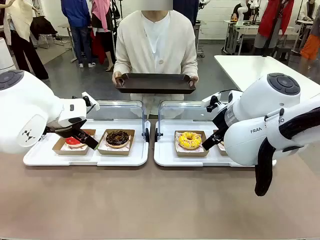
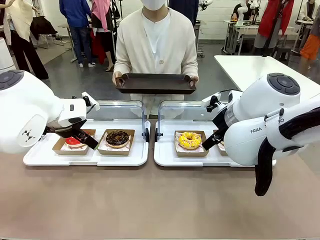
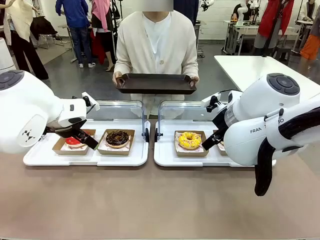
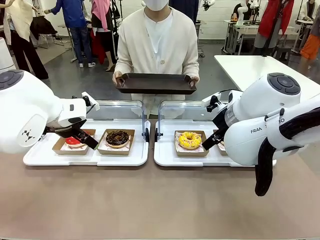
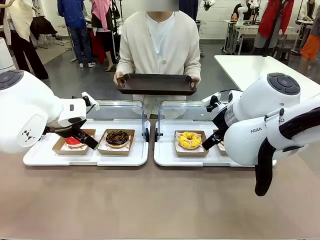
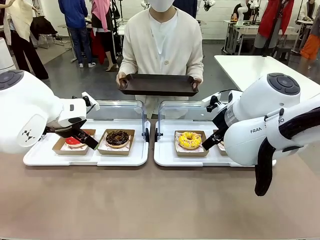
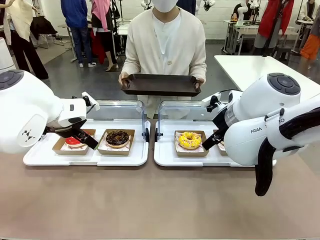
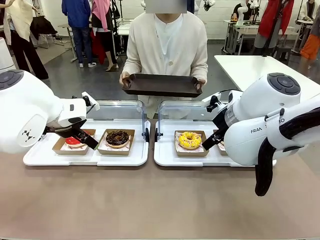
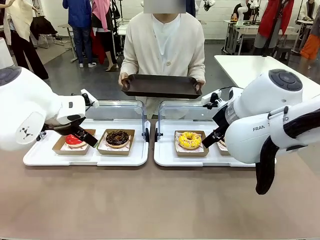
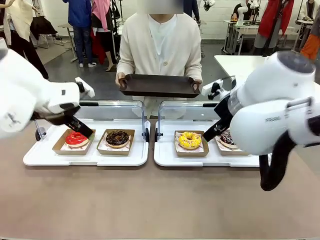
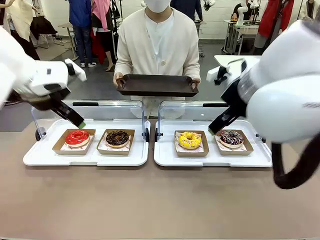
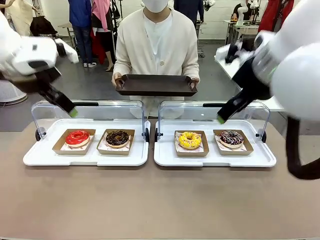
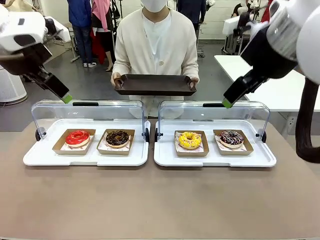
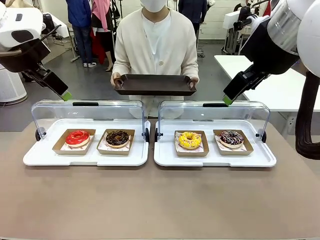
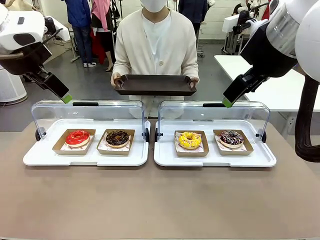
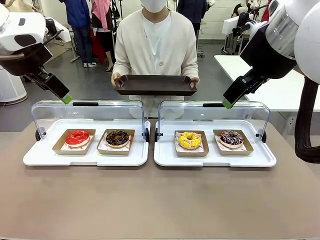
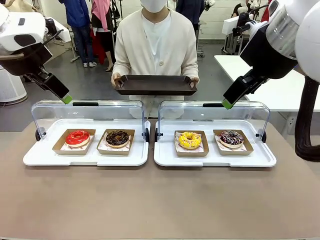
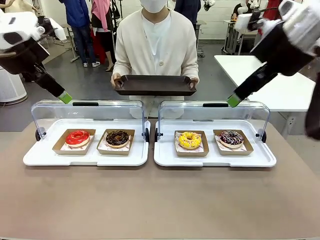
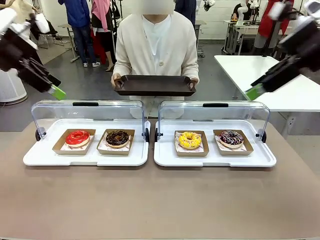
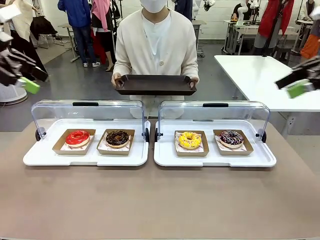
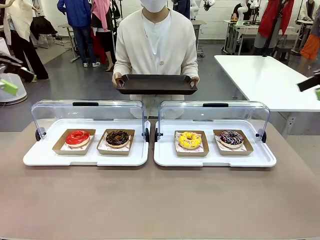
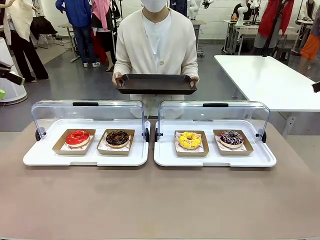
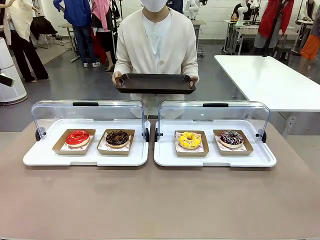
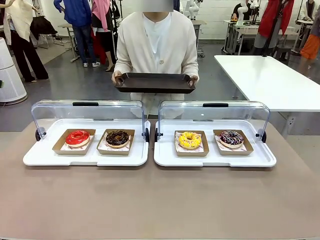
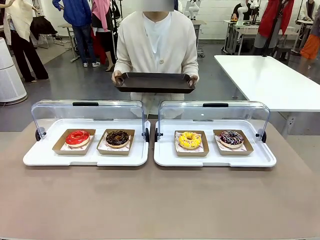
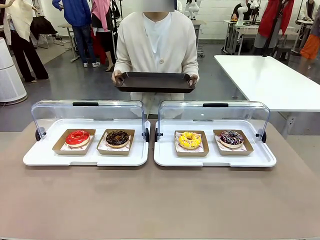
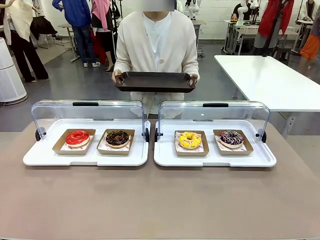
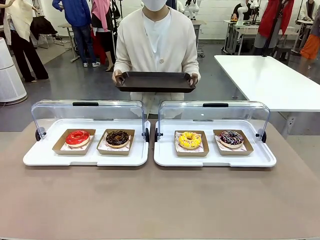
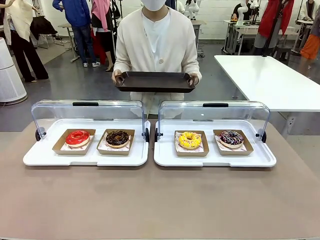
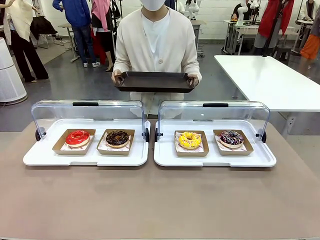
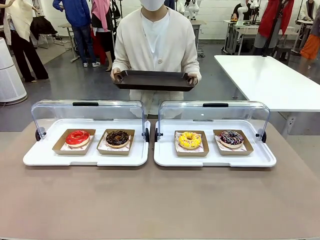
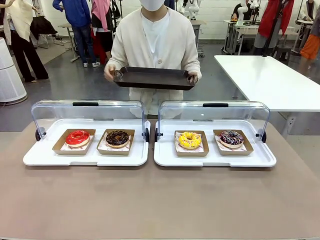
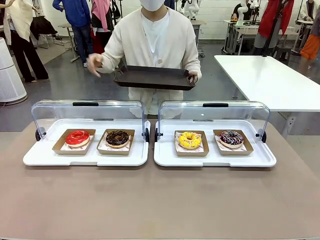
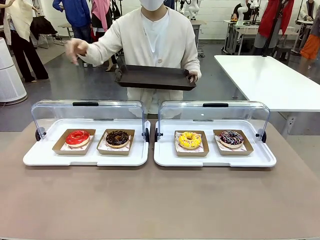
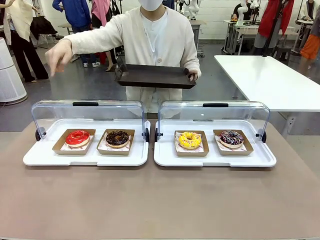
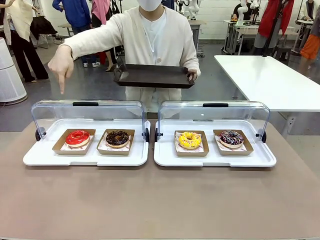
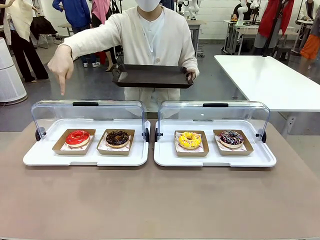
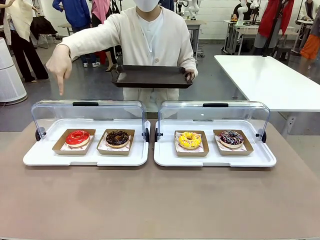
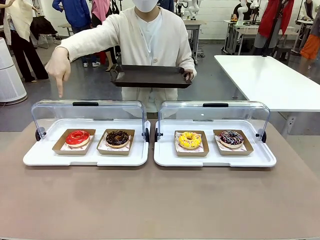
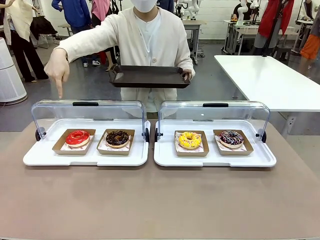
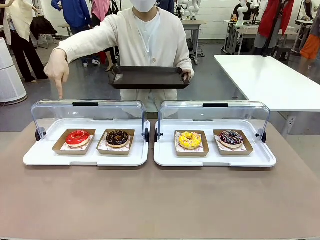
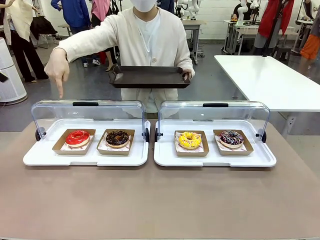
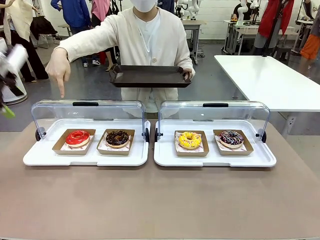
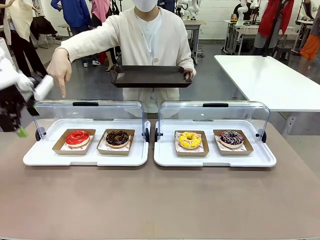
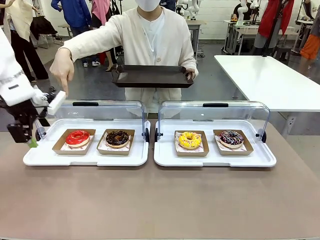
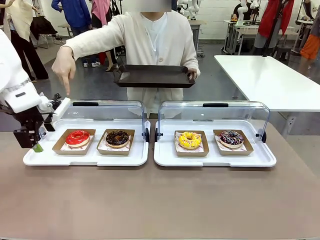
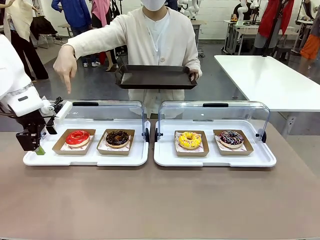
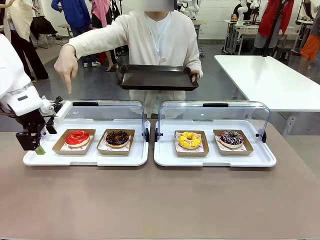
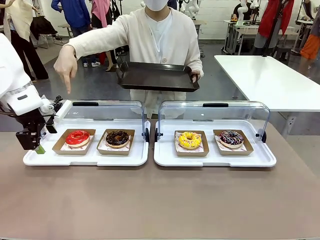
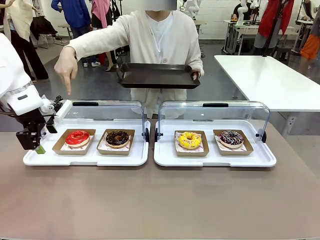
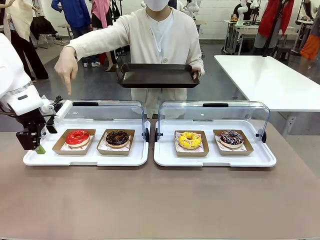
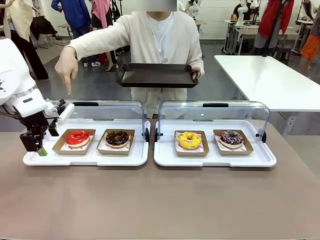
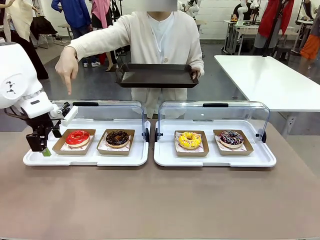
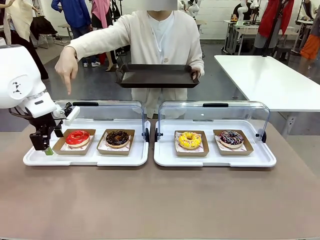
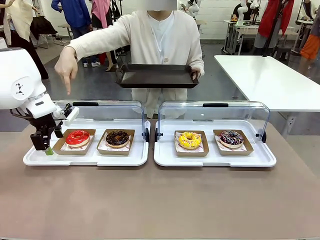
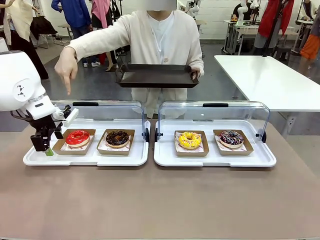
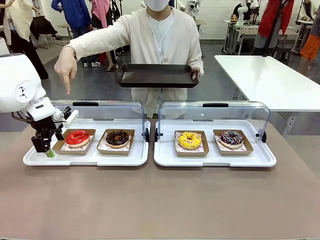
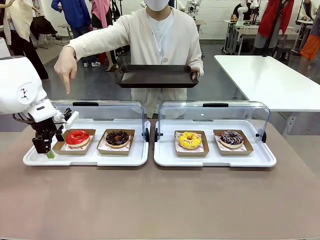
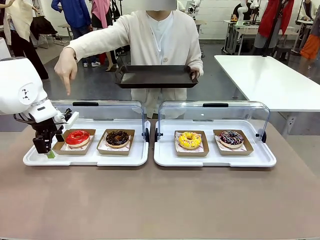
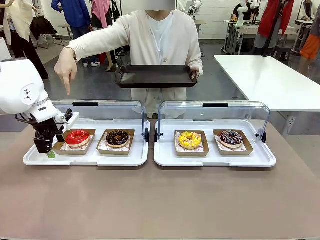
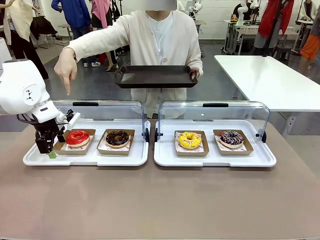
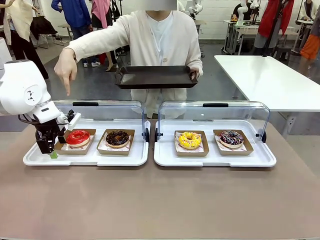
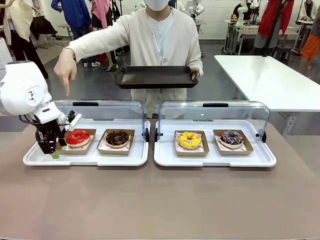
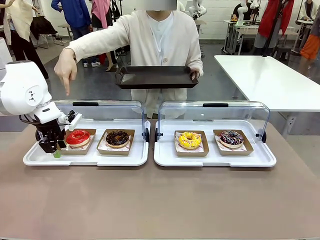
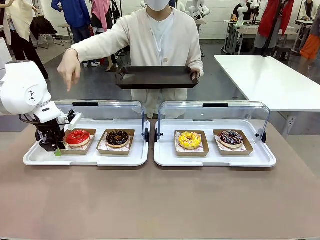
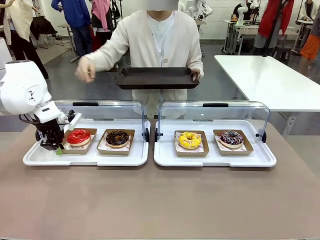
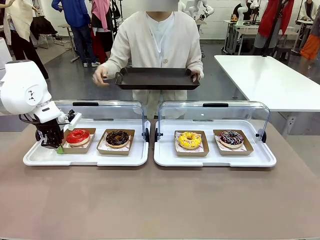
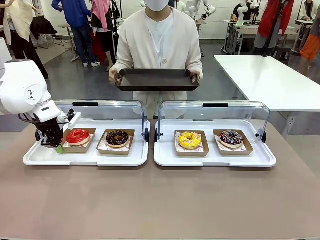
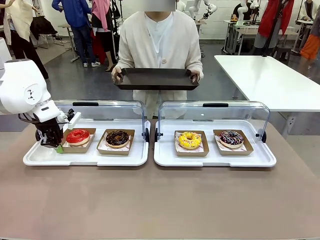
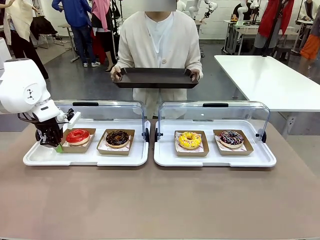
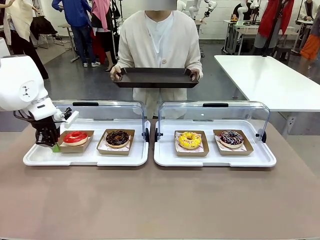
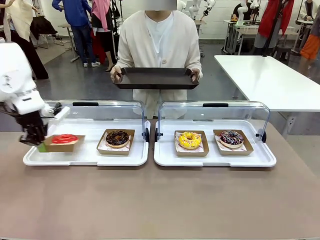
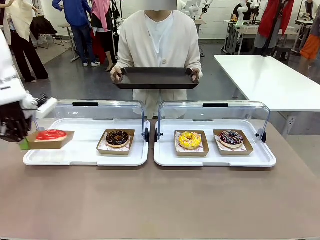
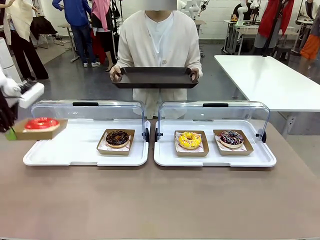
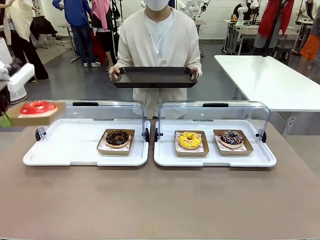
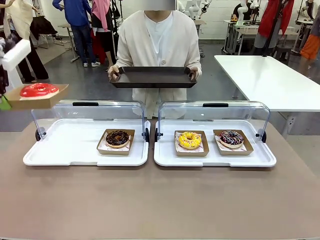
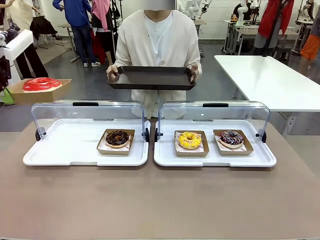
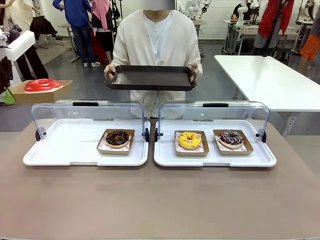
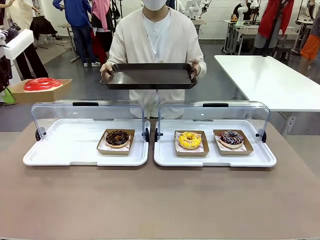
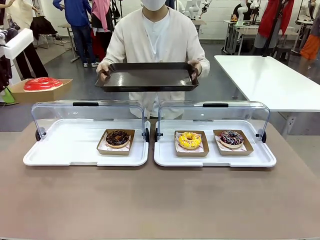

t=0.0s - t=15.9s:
Task: Provide the desired donut to the person.
Robot: Pick up and lift the Paper togo box containing the Donut pointed at by the person.
Person: Point to one donut. Lift the tray onto the Roll-Top Bakery Case.

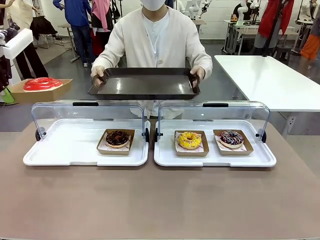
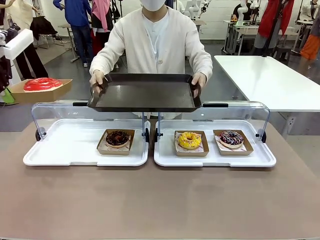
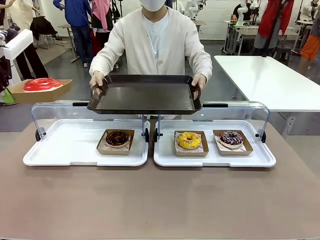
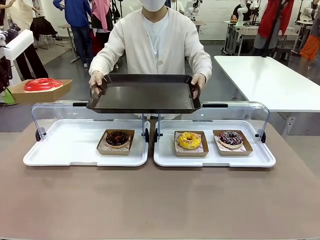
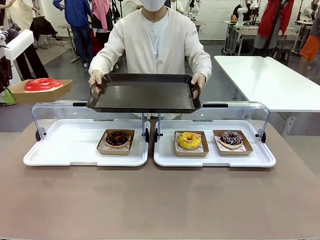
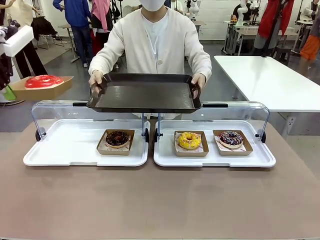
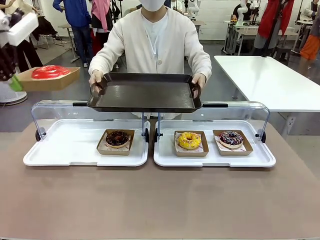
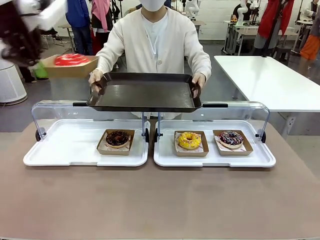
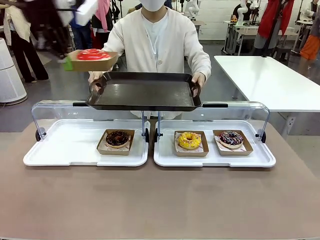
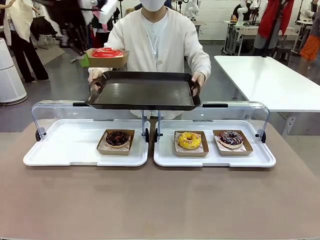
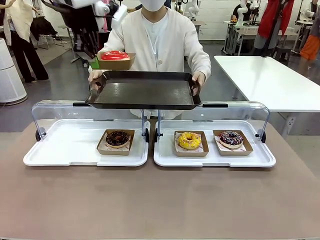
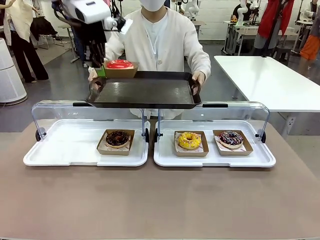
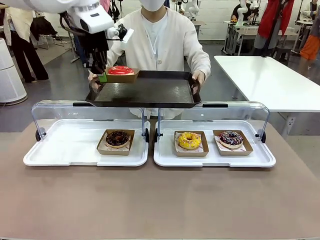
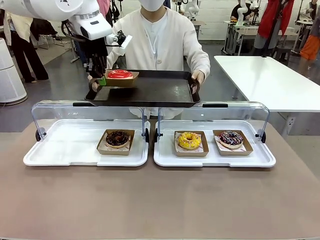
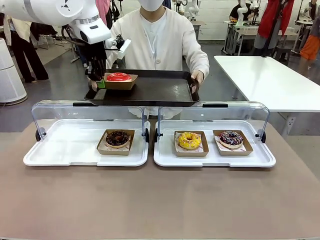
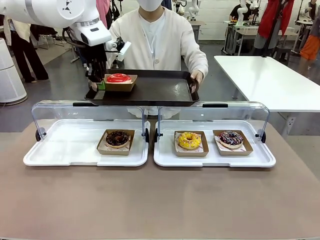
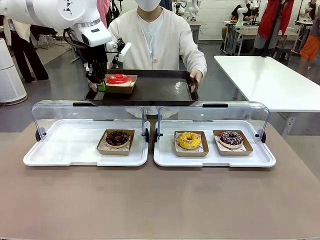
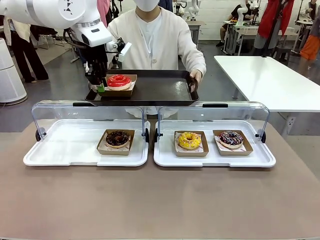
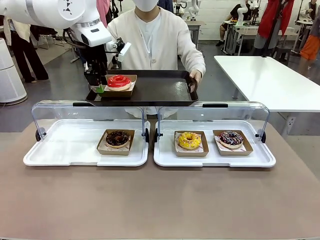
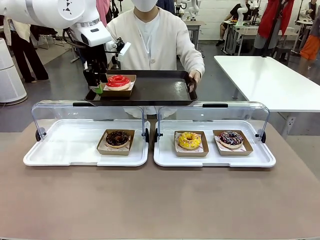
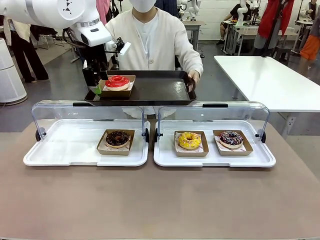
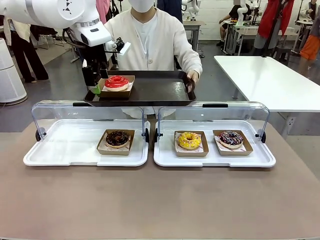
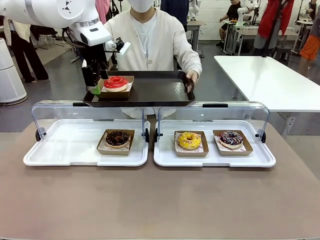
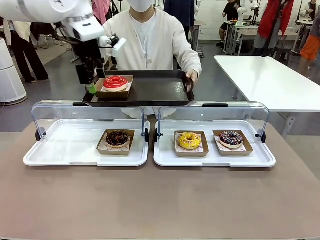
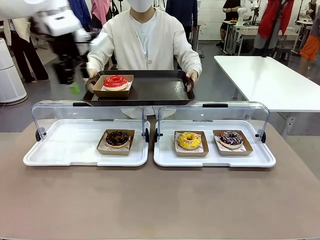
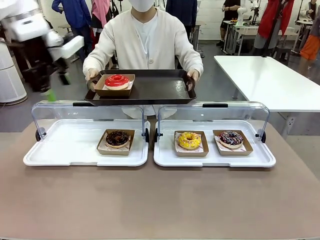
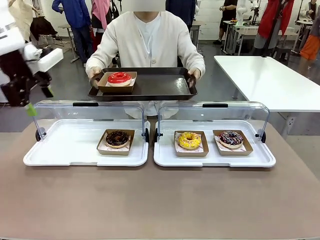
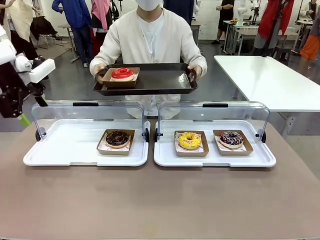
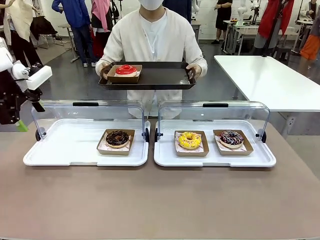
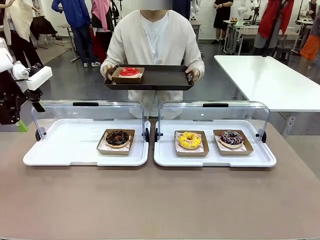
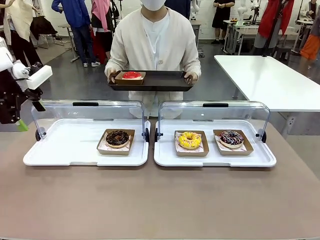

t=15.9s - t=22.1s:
Robot: Place the picked Paper togo box onto the Handle tray extended by the person.
